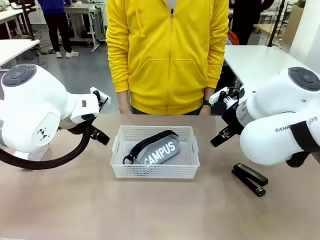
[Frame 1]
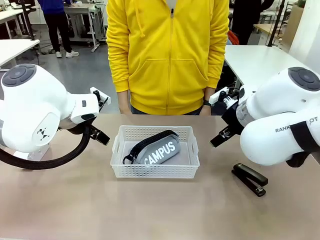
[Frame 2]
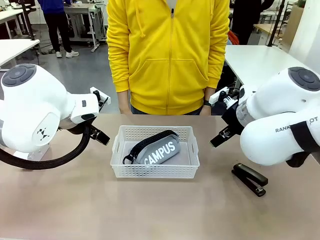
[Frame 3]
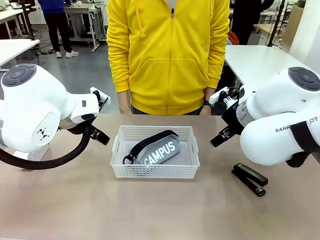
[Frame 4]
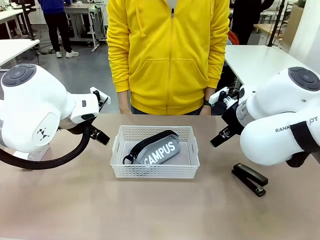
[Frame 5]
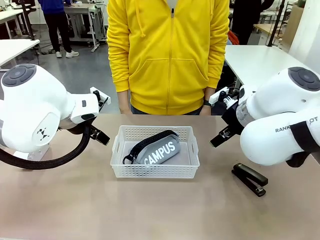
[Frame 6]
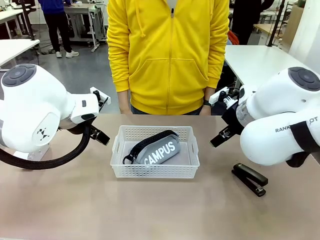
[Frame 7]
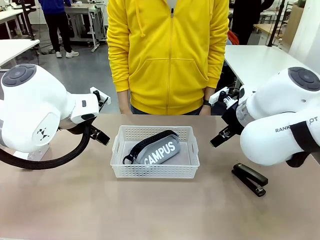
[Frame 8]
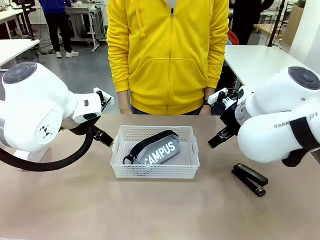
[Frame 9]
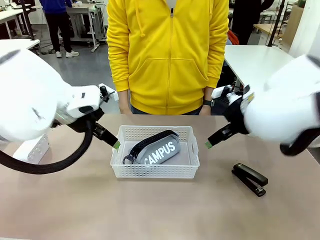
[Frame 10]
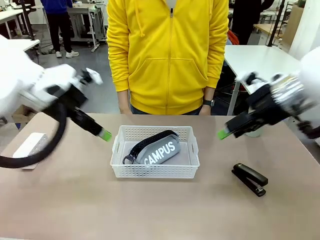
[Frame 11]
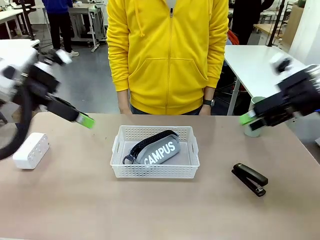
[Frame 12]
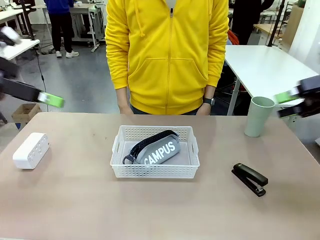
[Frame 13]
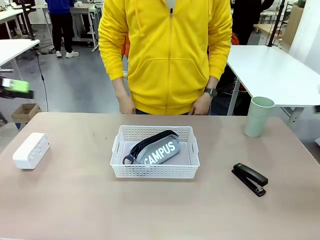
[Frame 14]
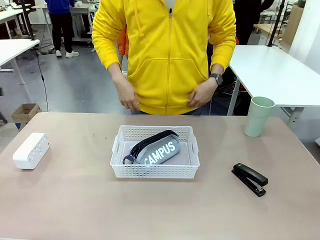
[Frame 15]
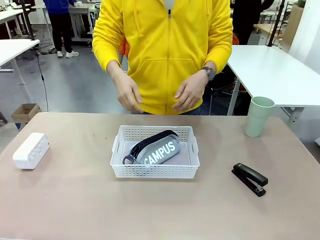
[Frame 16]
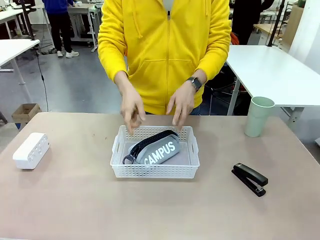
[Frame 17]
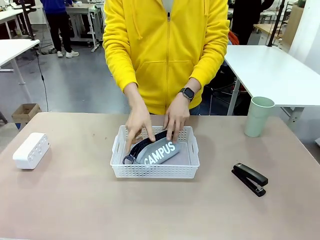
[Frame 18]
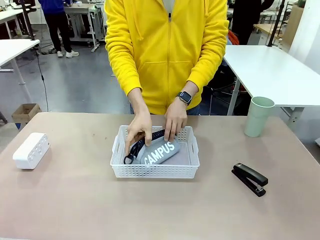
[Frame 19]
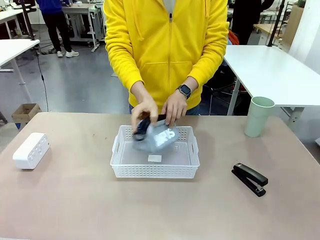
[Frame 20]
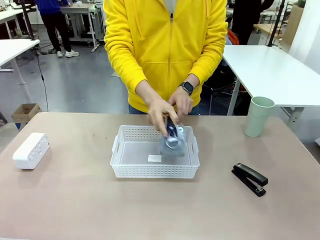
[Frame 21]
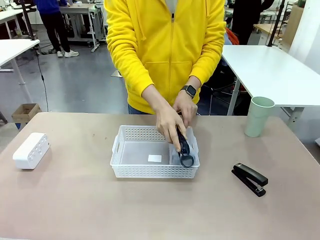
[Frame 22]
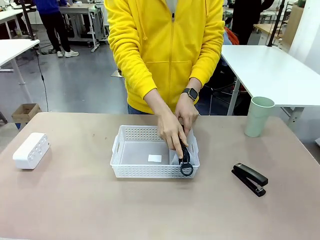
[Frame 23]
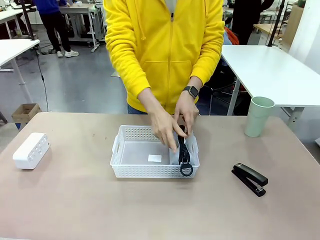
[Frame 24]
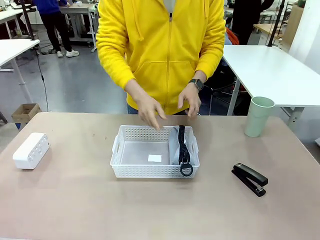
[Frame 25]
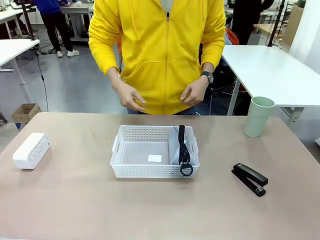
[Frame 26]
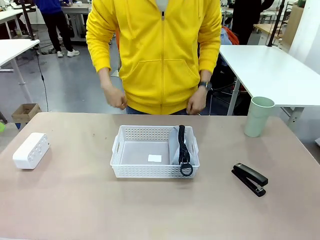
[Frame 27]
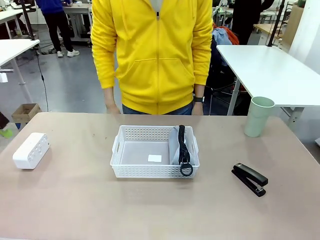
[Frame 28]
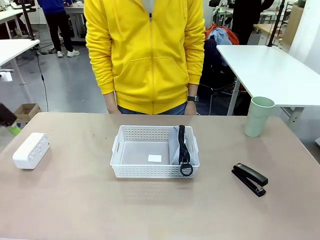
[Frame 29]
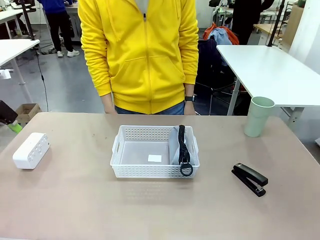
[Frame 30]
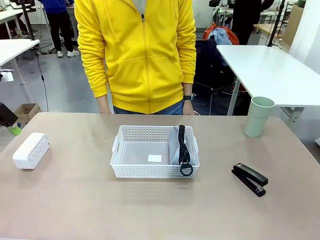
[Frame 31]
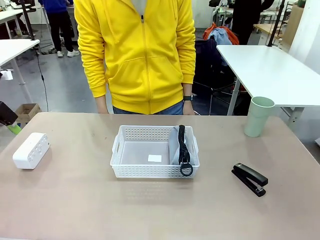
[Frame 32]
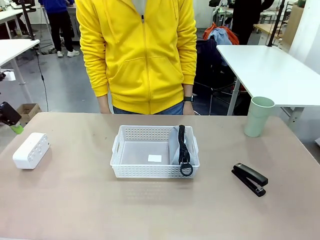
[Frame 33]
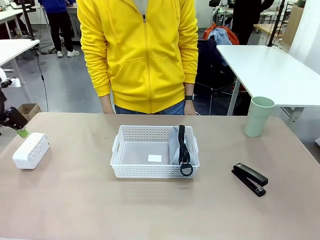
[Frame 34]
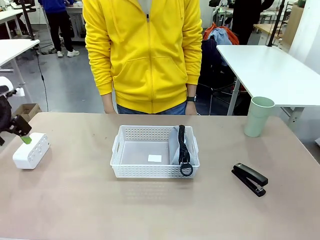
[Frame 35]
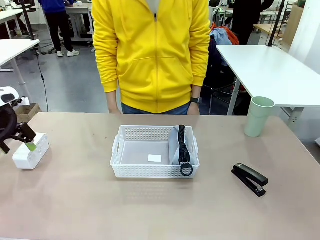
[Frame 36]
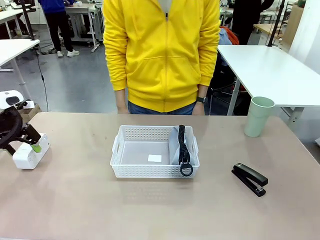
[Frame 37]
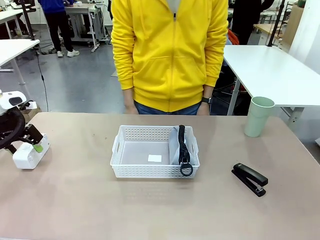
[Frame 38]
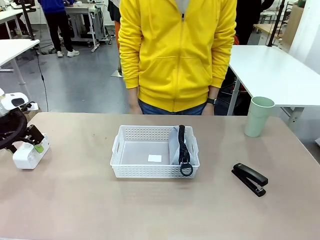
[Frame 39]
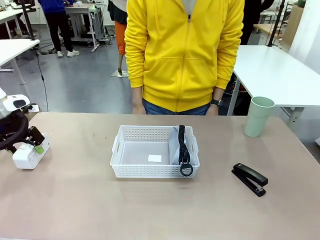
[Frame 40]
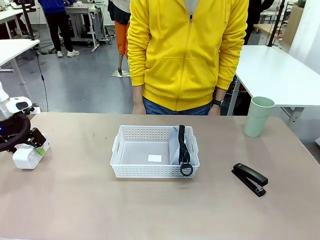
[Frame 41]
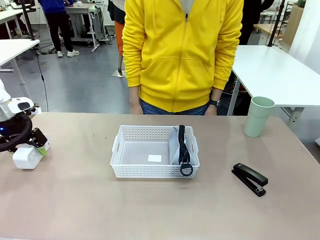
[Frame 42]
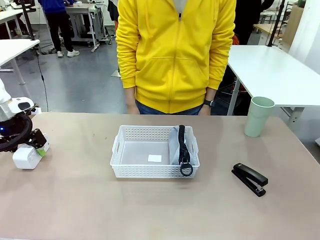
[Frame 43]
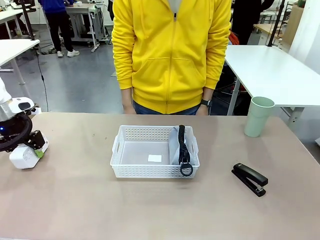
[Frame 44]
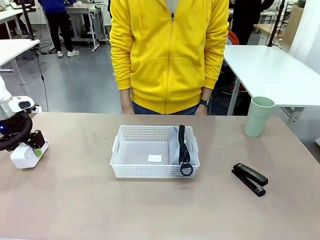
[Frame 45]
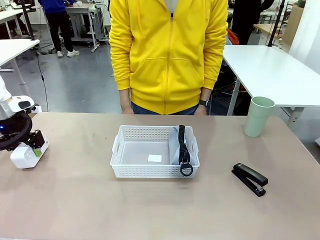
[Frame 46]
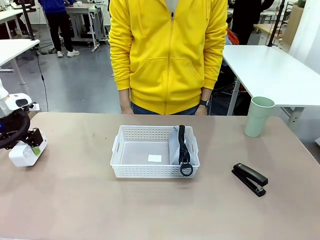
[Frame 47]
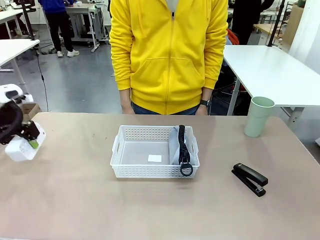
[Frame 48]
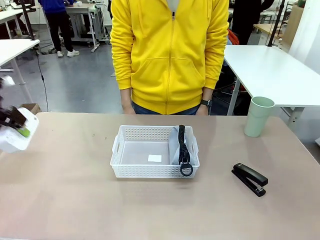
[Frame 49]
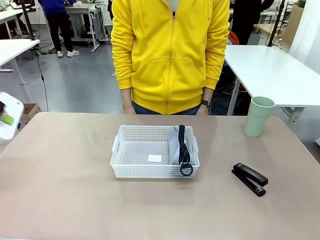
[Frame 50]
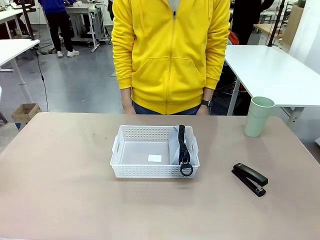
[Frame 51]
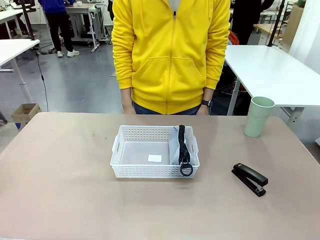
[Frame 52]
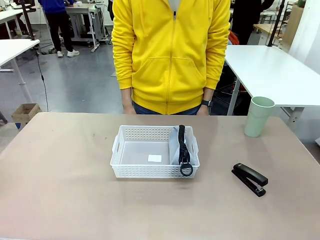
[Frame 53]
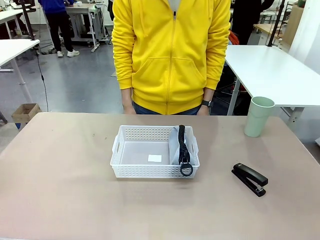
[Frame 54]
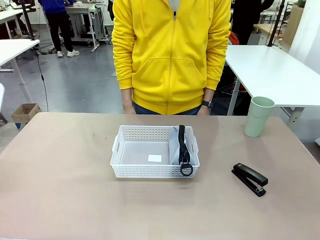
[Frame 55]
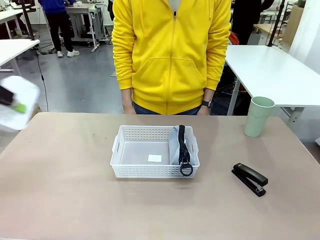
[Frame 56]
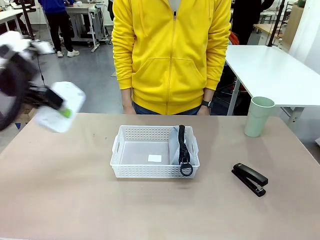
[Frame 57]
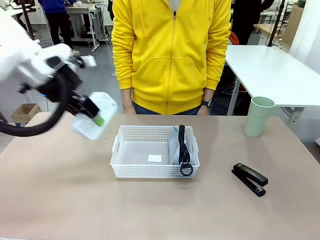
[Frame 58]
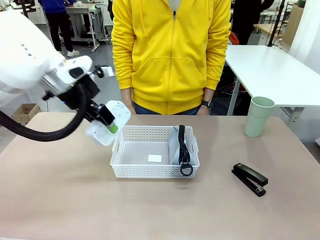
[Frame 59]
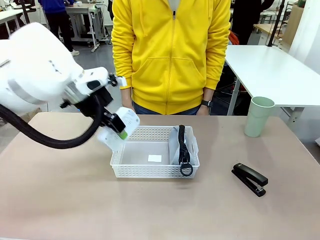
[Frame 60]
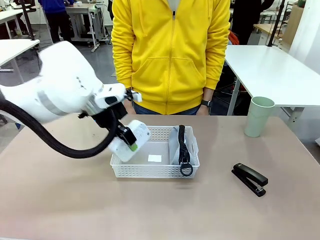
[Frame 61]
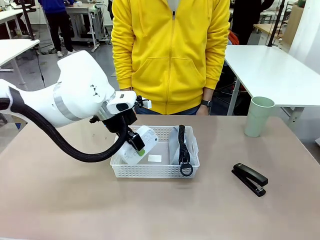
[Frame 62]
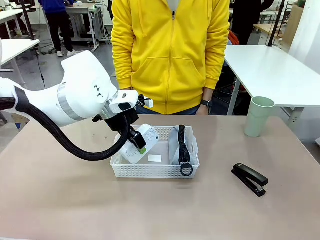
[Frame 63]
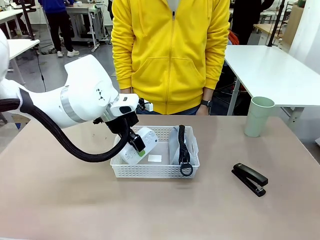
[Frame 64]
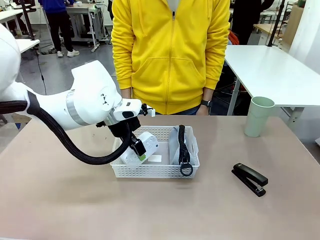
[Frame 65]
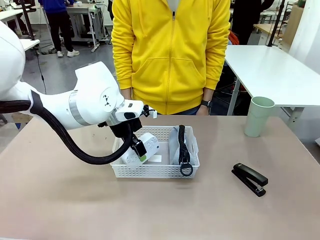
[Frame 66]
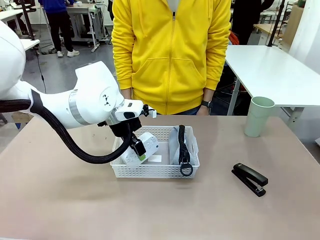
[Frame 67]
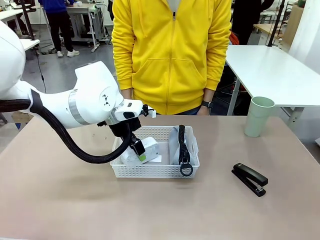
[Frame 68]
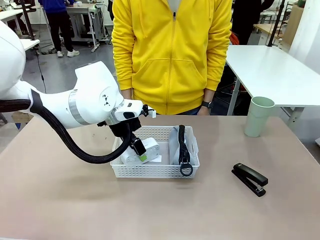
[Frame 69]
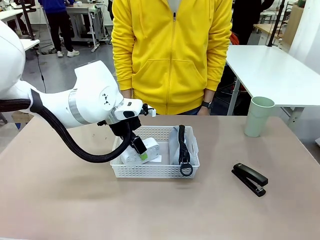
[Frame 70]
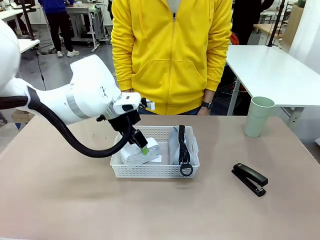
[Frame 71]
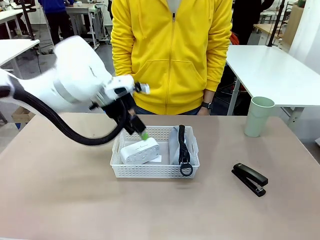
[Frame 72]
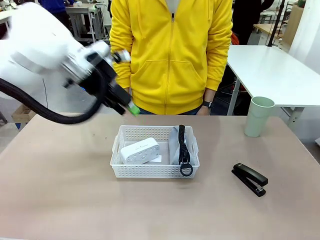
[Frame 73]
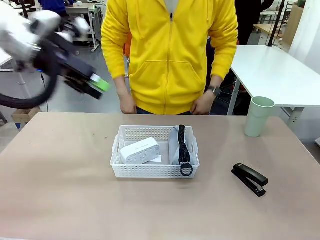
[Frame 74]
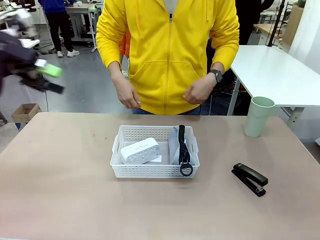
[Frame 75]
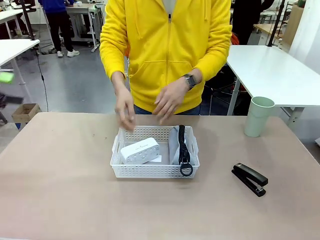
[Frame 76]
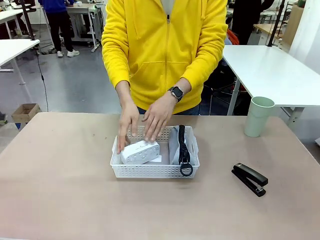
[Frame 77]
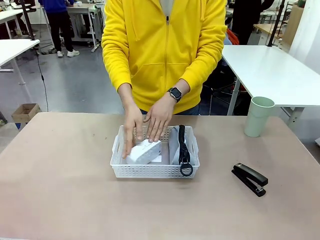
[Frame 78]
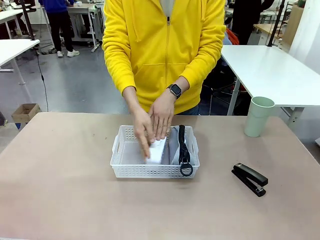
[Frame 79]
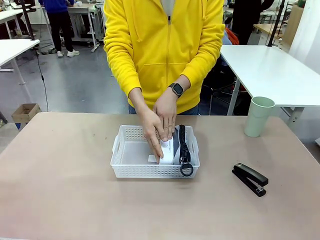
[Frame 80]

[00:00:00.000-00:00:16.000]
Task: Efficiently arrange items inside the basket to fit them all.
Robot: Pick up the Digital clock and place it inside the Organizing basket.
Person: Repositions the pencil case. Repositions the digital clock.

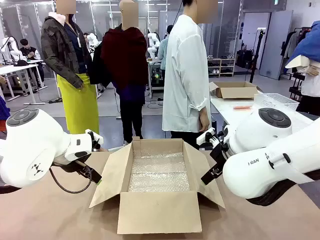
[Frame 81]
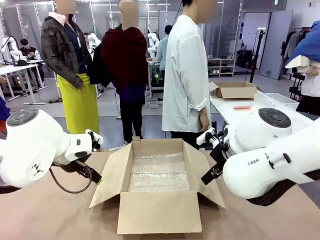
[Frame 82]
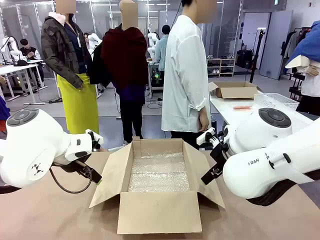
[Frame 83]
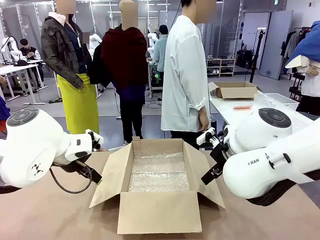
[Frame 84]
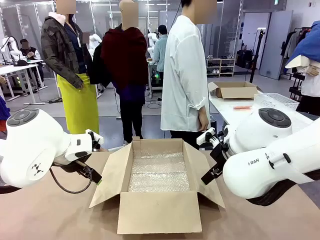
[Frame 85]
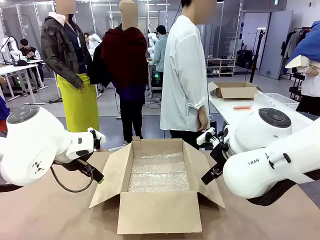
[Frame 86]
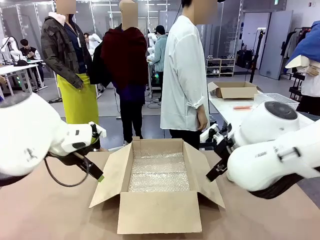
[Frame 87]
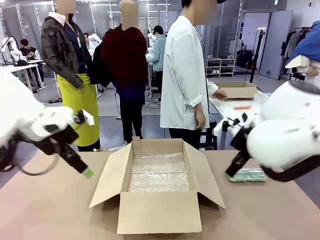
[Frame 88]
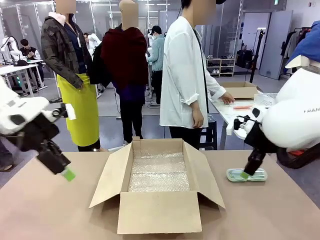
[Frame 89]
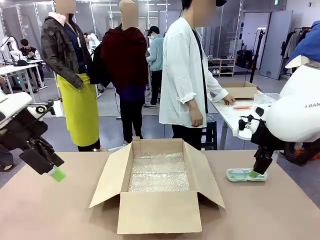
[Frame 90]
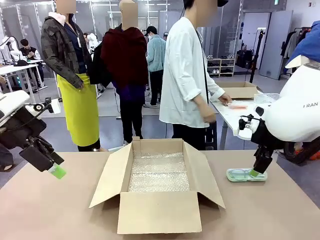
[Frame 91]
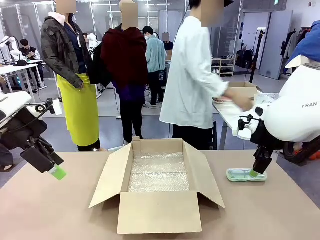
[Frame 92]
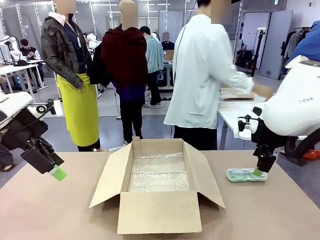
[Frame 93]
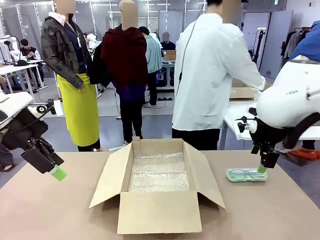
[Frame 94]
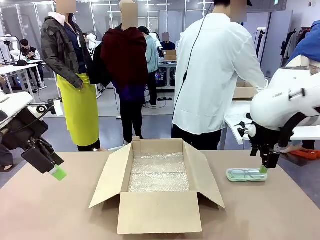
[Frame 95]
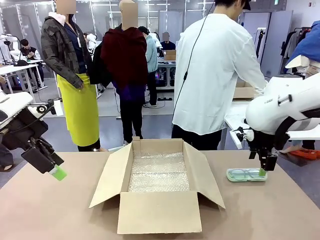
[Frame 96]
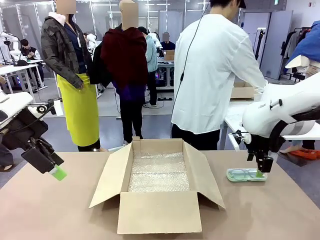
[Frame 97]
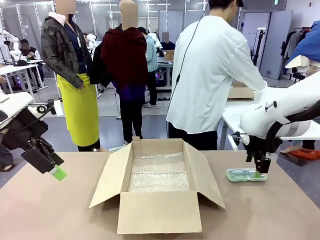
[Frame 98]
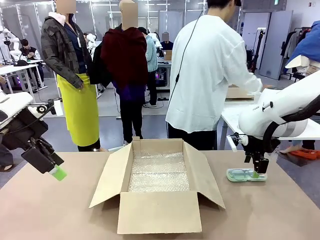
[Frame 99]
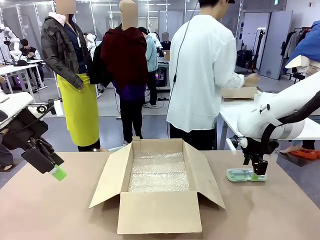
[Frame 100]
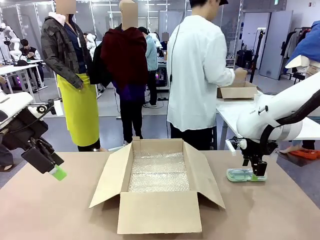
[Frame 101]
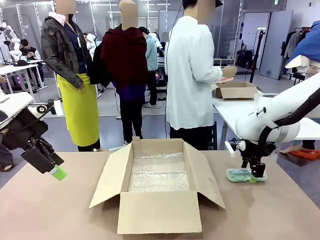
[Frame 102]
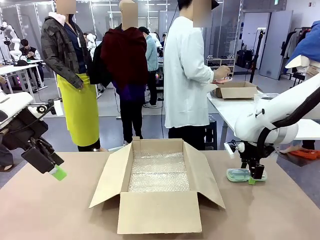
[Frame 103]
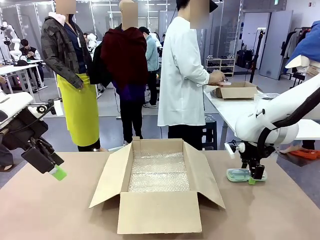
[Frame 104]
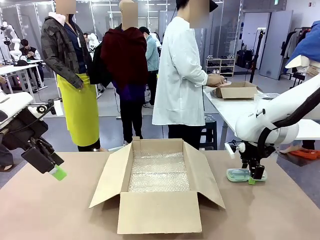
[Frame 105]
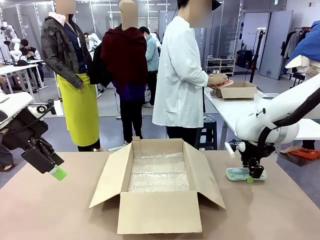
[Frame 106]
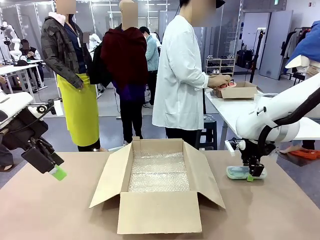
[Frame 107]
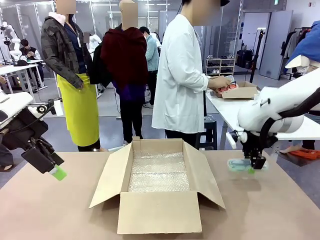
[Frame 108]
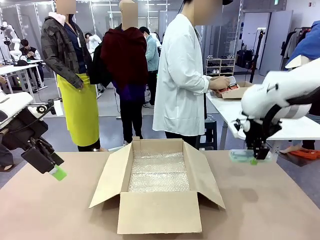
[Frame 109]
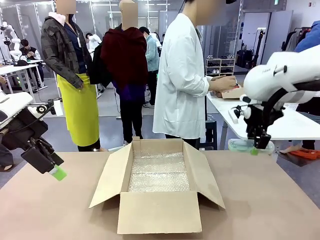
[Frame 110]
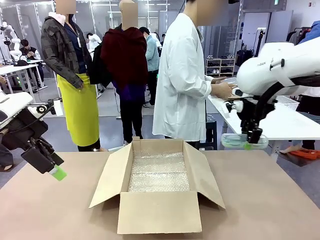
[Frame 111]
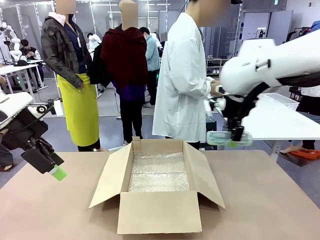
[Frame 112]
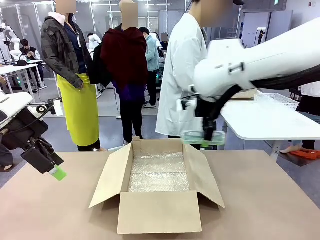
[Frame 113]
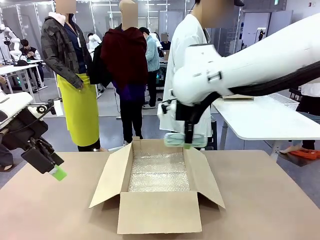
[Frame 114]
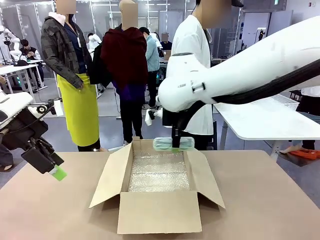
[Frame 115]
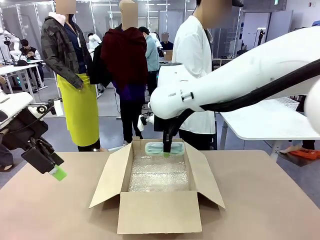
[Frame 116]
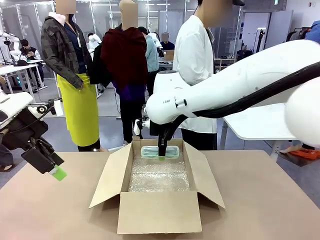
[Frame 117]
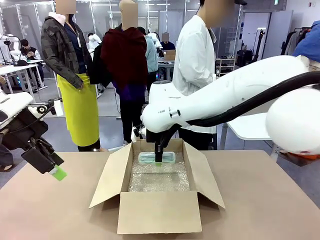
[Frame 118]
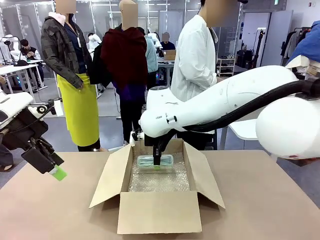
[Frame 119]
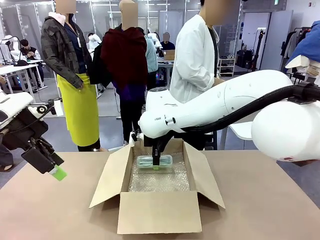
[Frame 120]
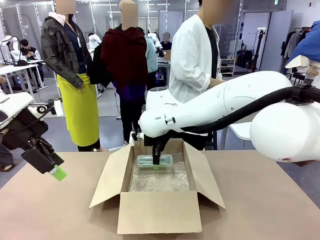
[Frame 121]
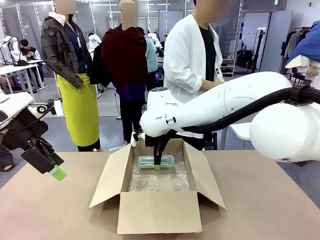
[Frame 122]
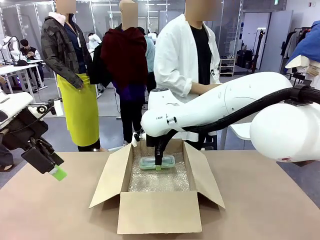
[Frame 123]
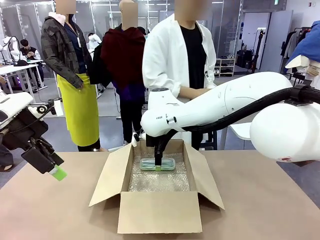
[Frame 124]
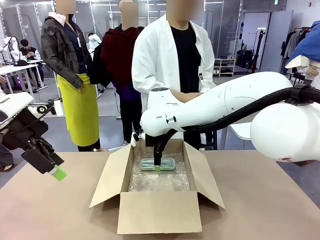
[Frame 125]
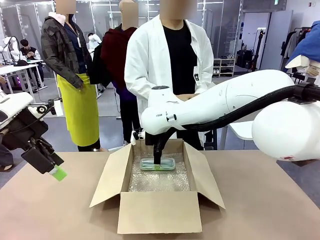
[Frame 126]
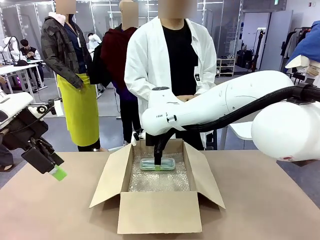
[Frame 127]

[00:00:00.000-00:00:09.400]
Task: Pack the glasses set securely to prepare it for shipping.
Robot: Place the Glasses case inside the Package Box.
Person: Place the Glasses inside the Glasses case.
